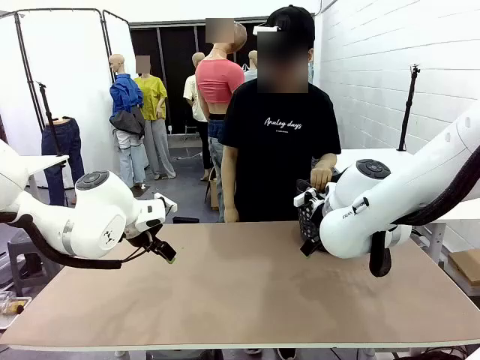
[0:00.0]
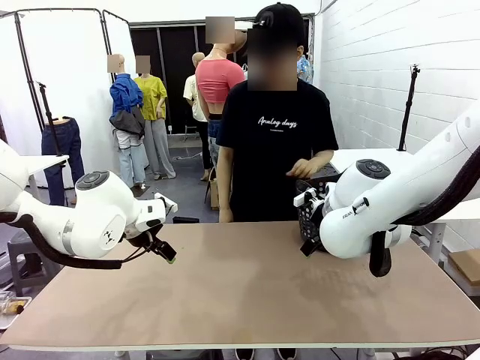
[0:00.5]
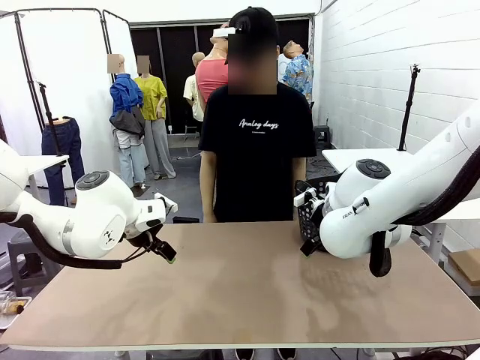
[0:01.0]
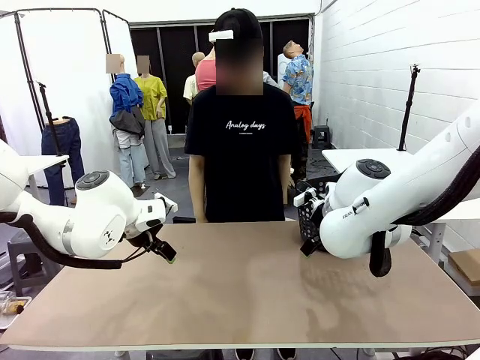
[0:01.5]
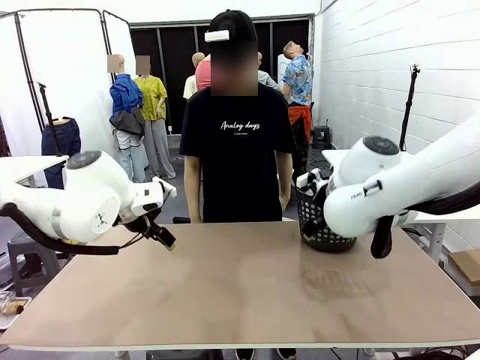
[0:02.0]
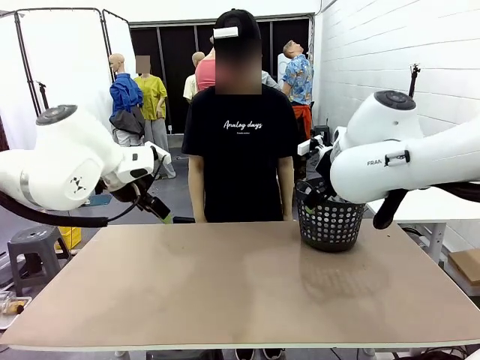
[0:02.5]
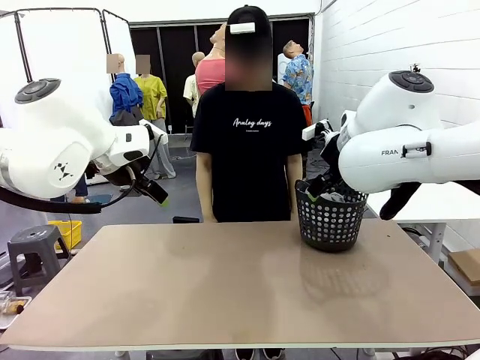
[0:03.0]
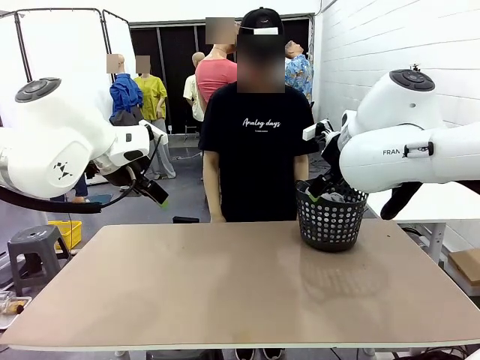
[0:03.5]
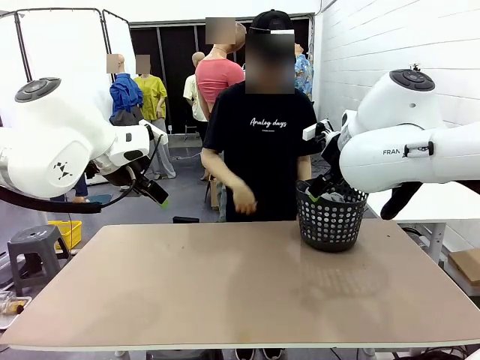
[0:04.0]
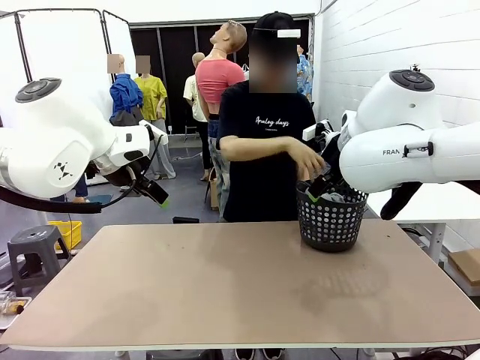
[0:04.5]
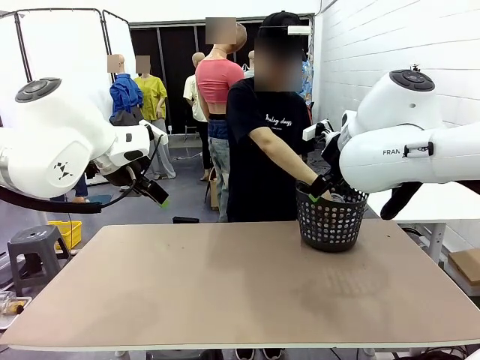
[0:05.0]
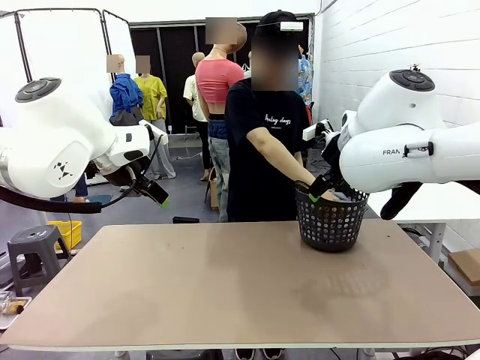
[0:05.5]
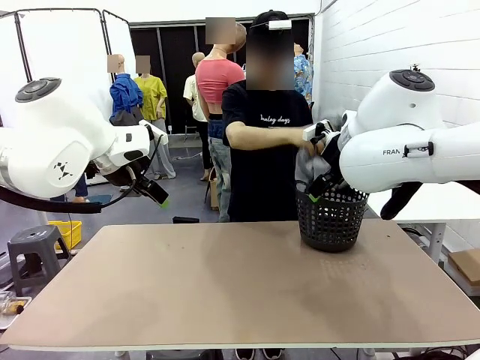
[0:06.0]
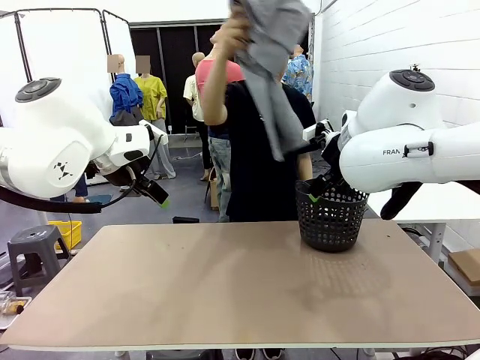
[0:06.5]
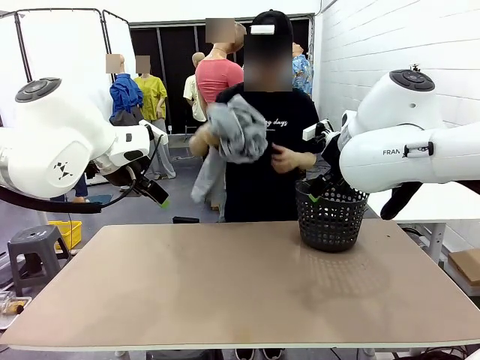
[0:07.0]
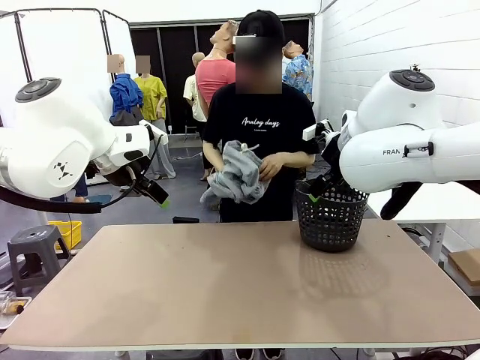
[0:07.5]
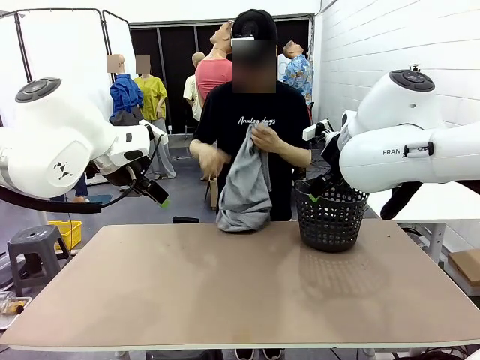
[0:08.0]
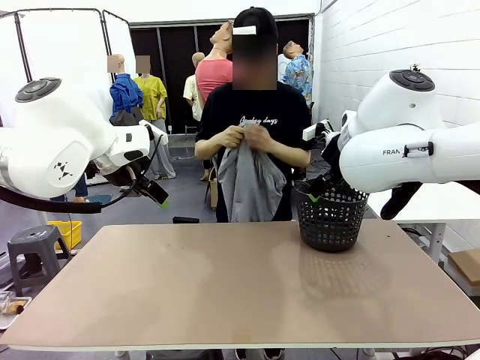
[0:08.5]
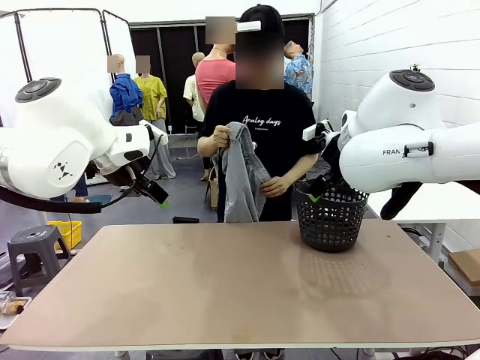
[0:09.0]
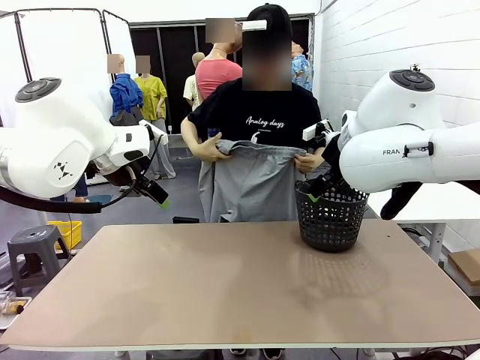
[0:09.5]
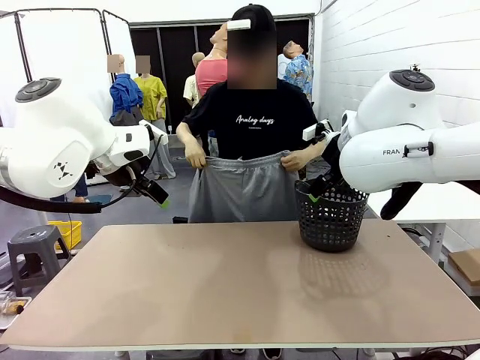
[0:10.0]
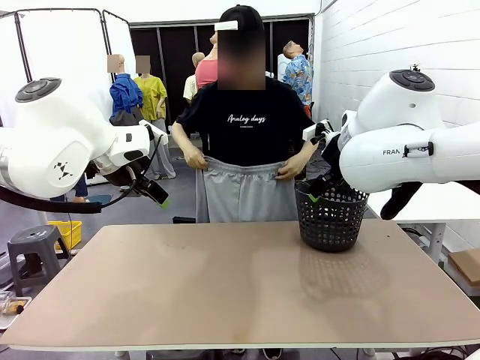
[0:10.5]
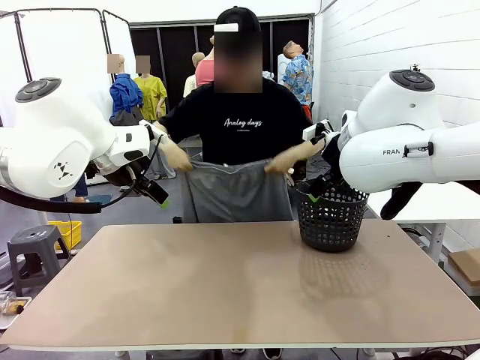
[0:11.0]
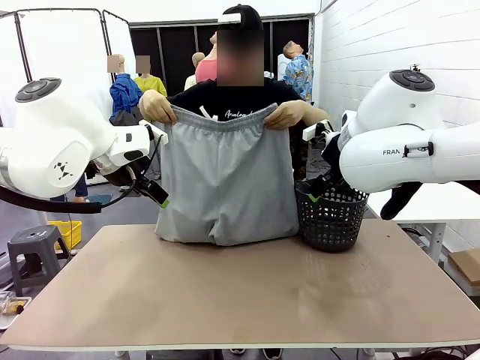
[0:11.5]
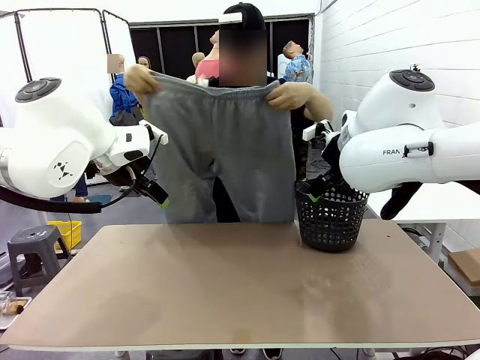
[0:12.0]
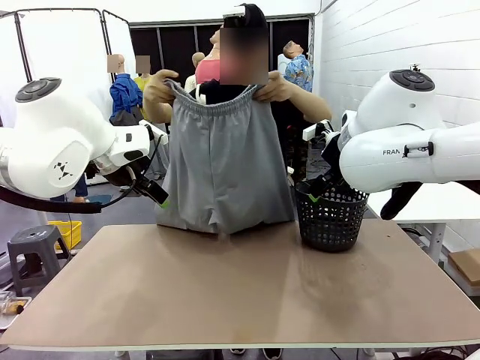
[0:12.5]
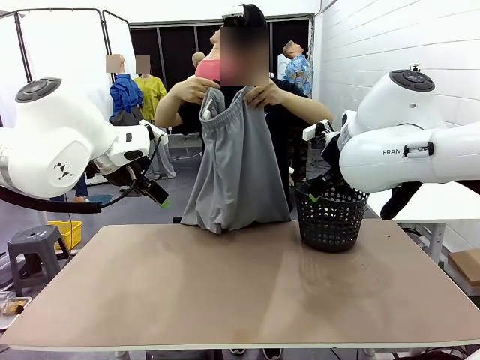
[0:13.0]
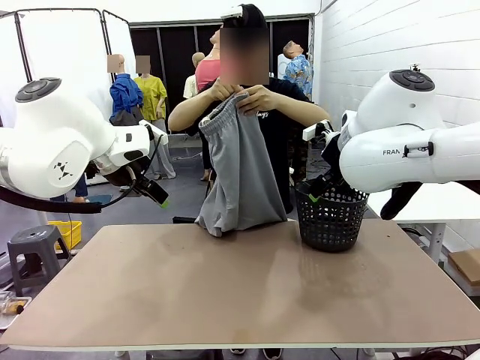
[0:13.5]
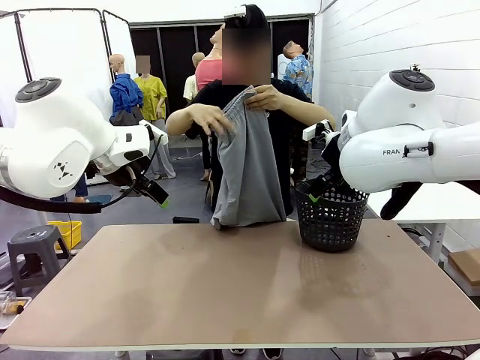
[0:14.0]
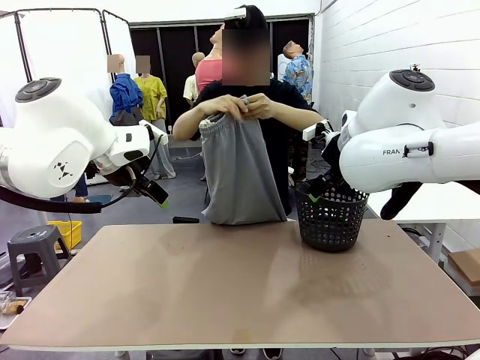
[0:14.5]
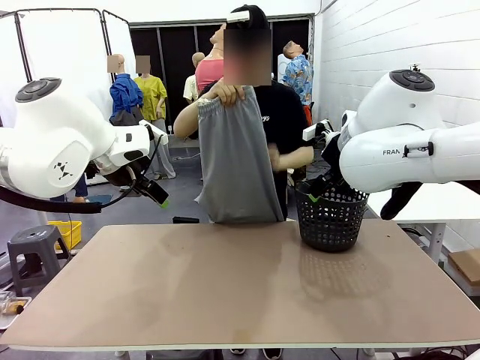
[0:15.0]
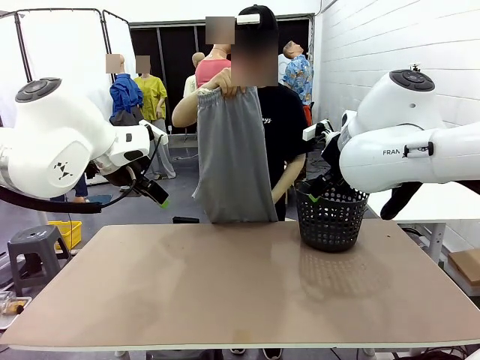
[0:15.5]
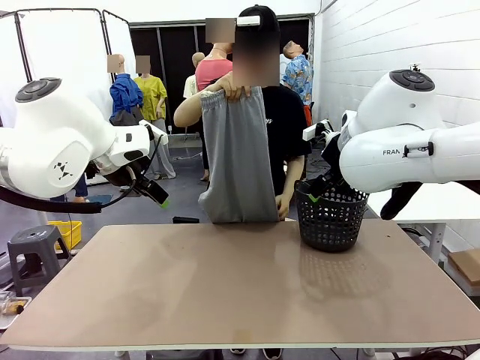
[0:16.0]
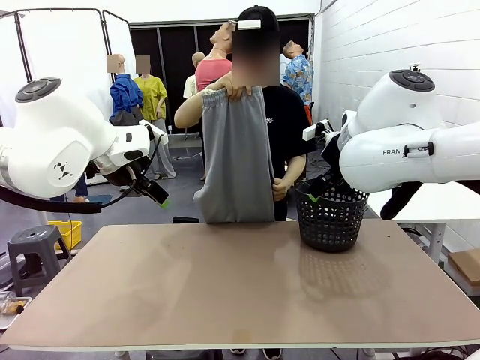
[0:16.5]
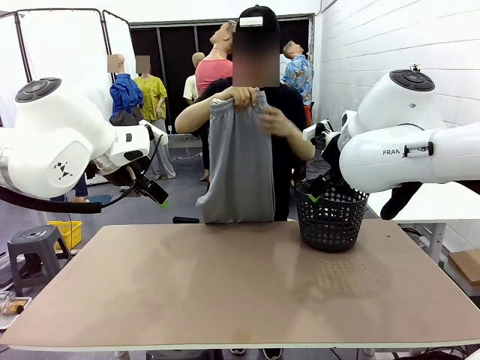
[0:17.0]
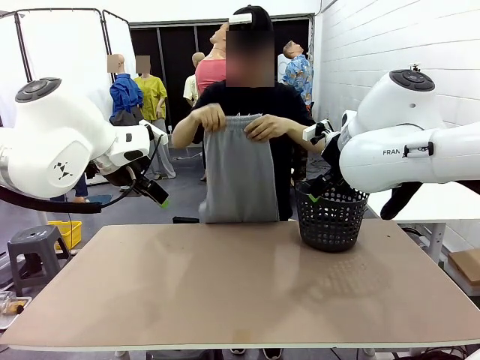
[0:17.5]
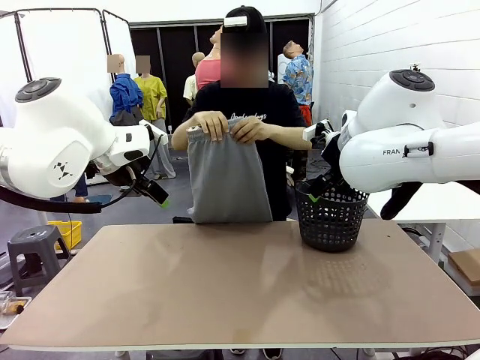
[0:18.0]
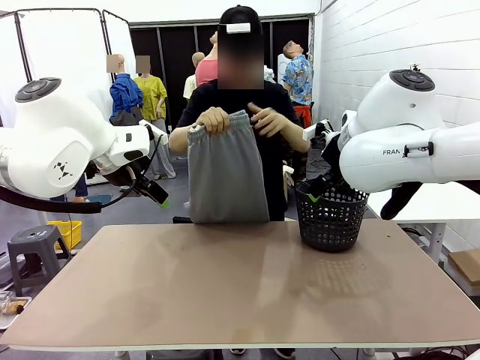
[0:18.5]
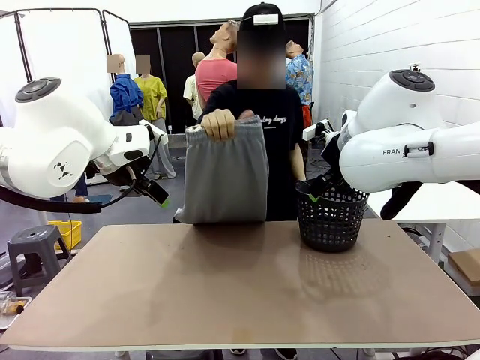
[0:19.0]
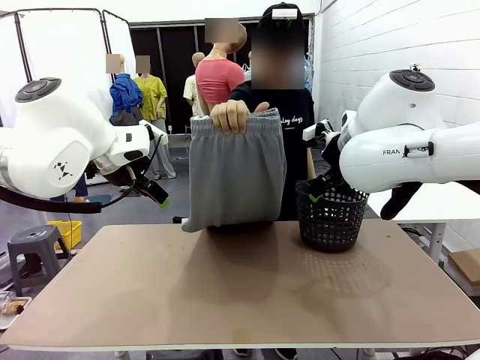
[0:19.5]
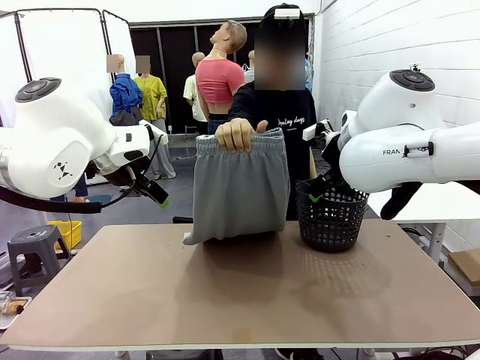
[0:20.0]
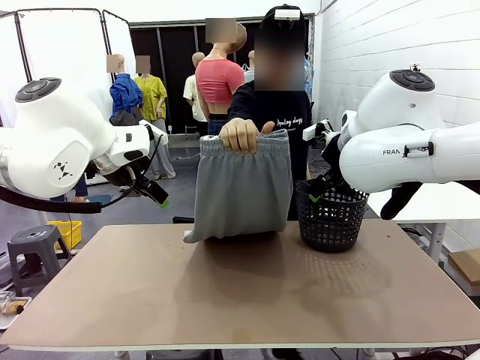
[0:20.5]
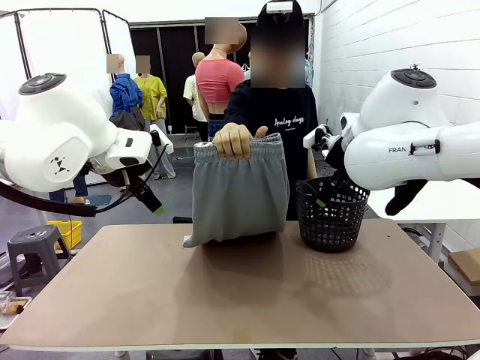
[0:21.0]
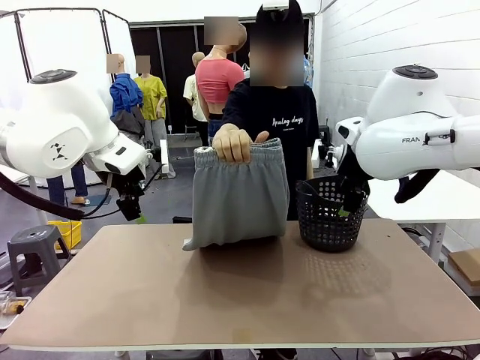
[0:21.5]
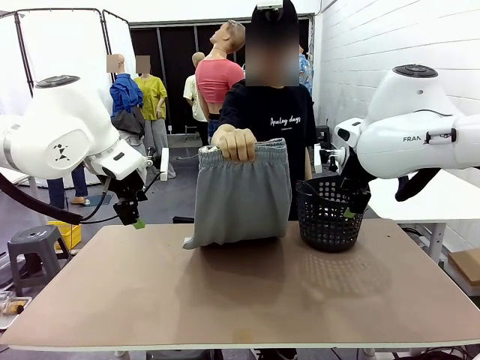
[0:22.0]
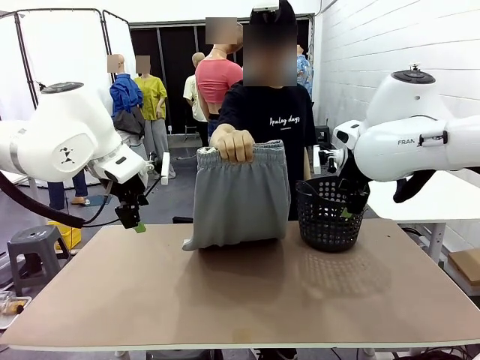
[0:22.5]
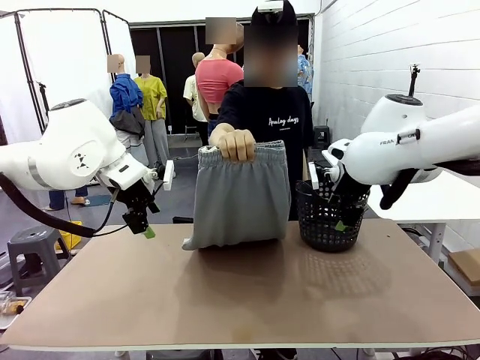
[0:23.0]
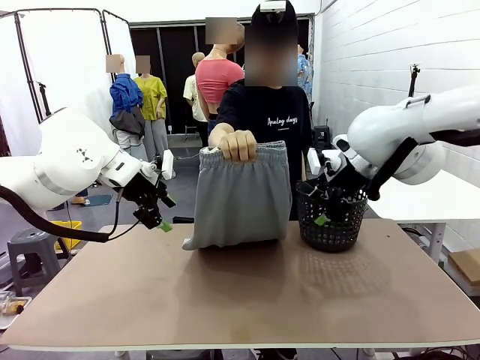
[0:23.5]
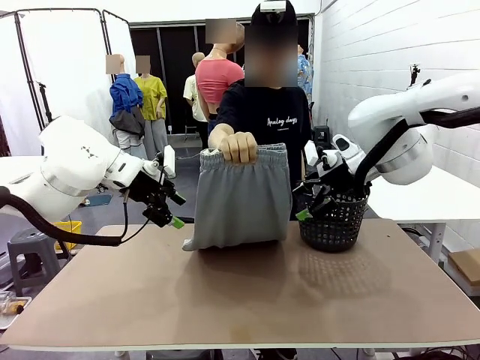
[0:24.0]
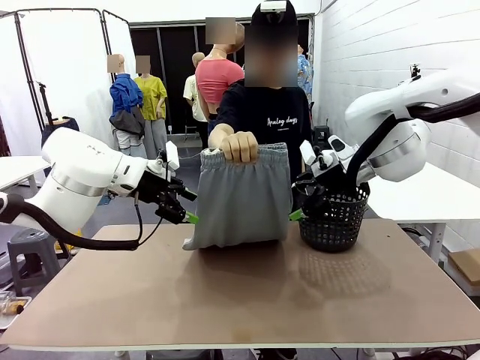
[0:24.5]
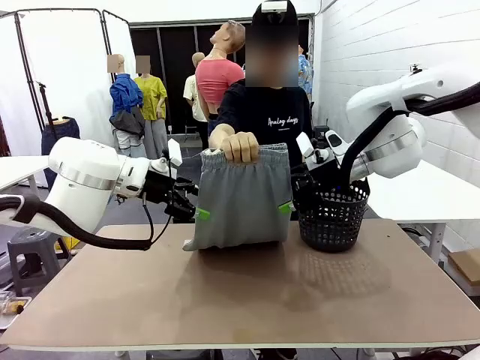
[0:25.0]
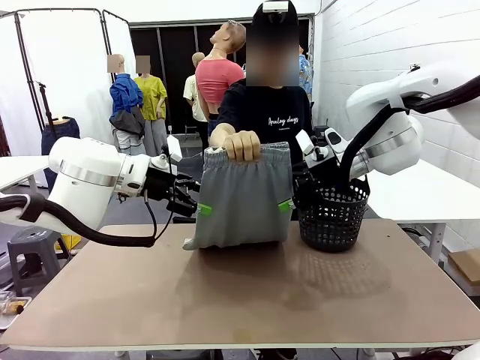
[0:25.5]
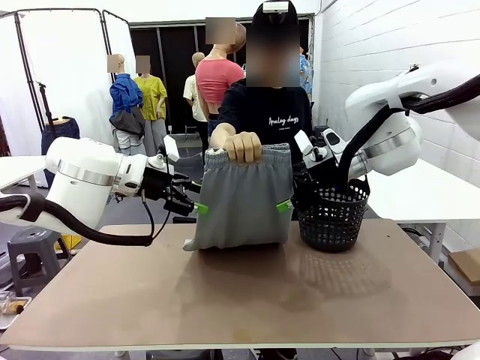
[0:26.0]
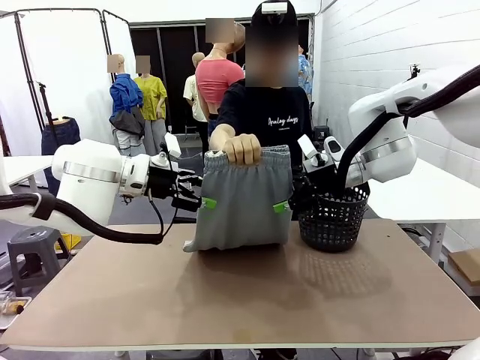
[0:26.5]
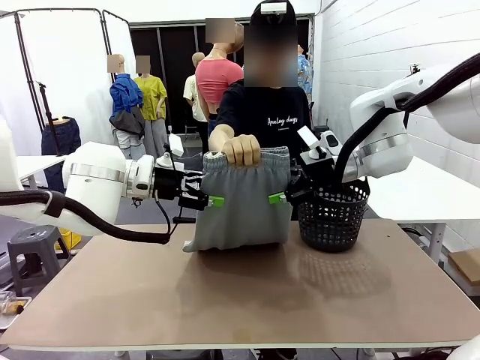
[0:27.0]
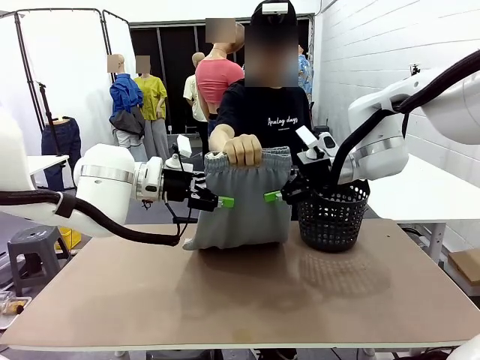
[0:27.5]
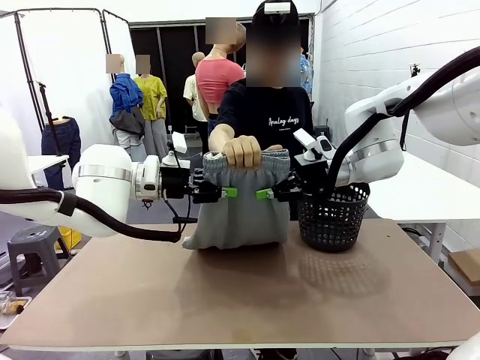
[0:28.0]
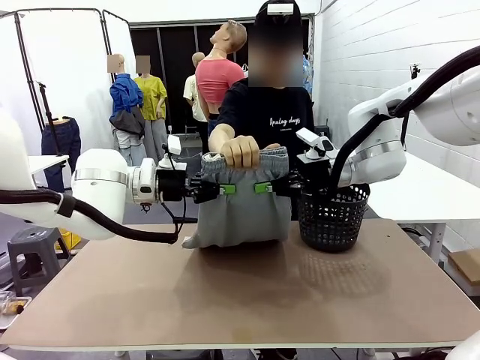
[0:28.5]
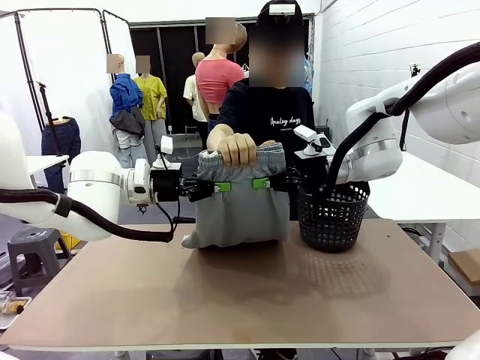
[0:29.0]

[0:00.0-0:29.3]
Task: Fold the training pants.
Robot: Grab both ends of the Training pants handed by a person.
Person: Take the long pants out of the laundry basket, unfold them, fold the waist in half, and extend them so the robot can pick up both corners.
